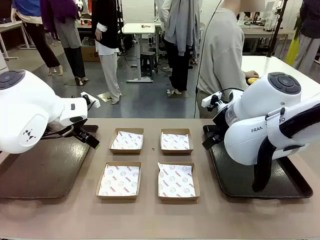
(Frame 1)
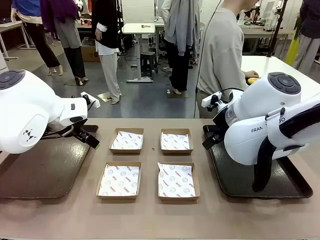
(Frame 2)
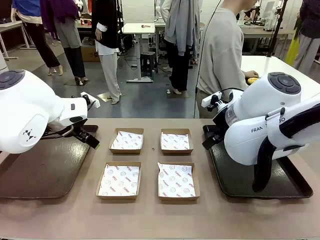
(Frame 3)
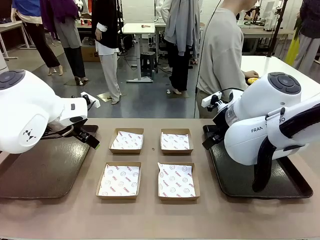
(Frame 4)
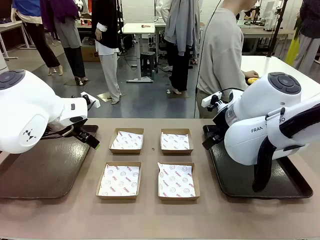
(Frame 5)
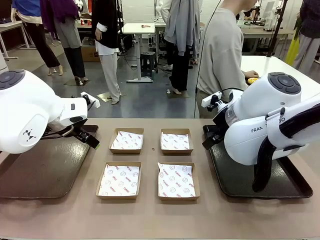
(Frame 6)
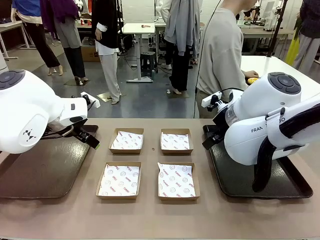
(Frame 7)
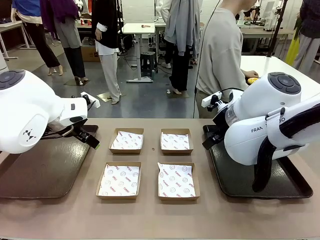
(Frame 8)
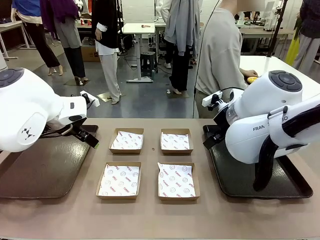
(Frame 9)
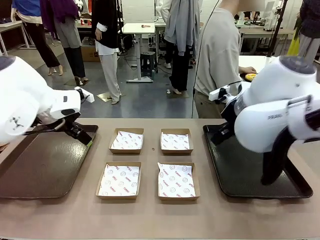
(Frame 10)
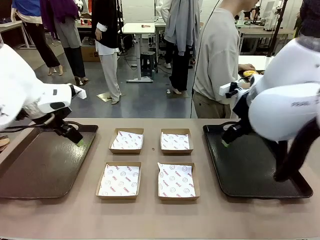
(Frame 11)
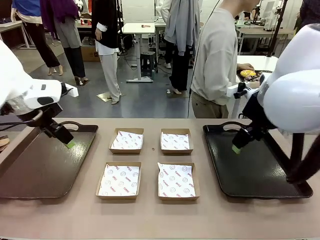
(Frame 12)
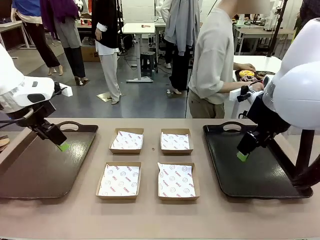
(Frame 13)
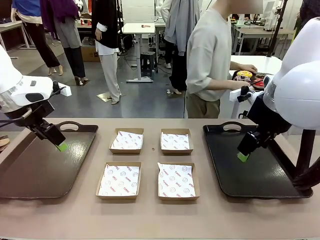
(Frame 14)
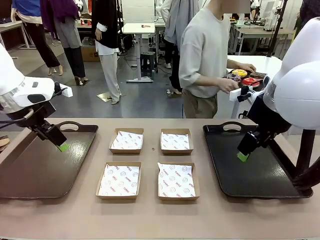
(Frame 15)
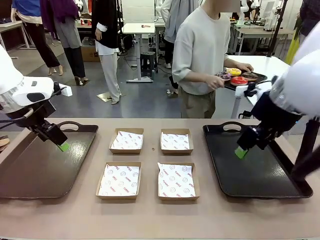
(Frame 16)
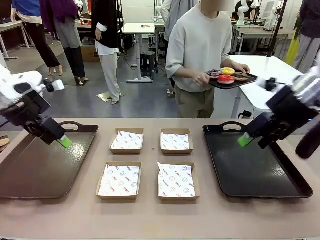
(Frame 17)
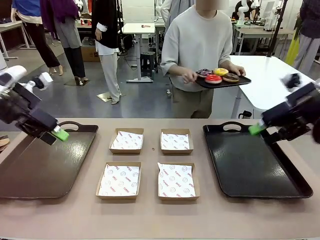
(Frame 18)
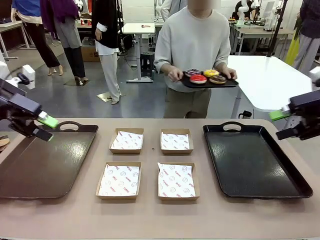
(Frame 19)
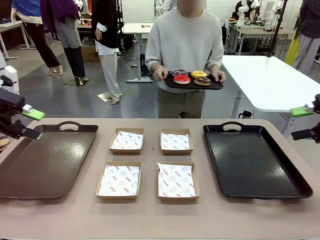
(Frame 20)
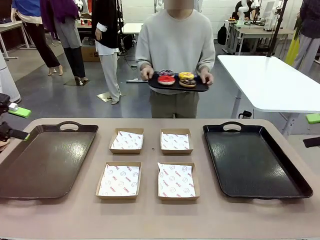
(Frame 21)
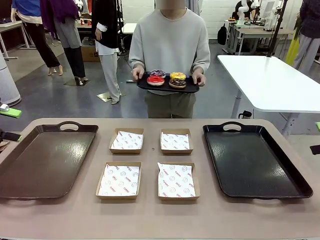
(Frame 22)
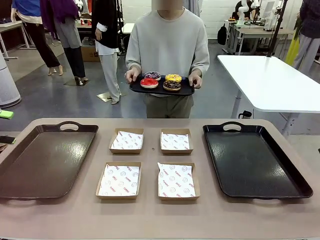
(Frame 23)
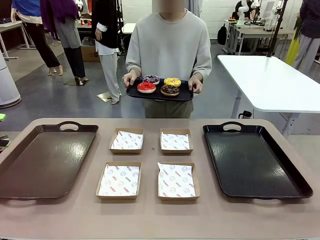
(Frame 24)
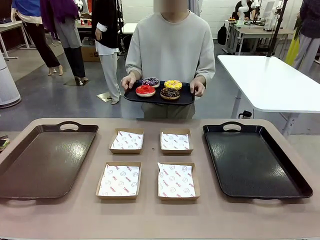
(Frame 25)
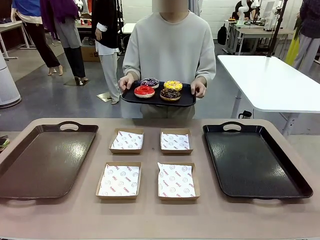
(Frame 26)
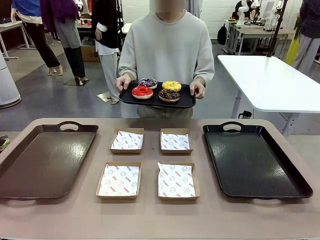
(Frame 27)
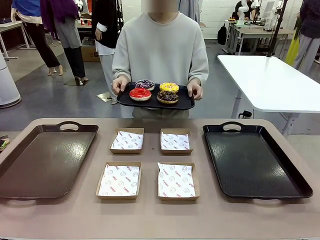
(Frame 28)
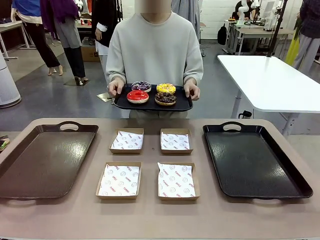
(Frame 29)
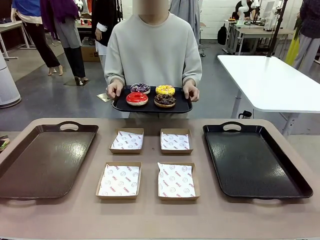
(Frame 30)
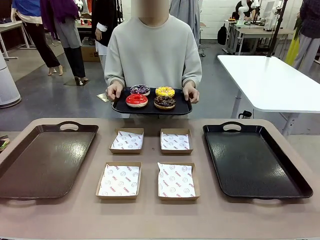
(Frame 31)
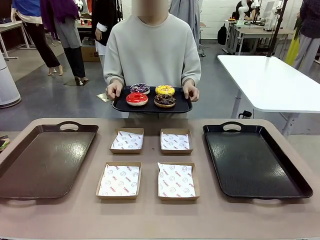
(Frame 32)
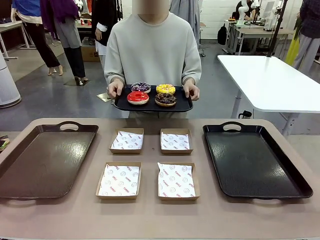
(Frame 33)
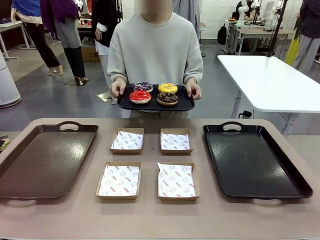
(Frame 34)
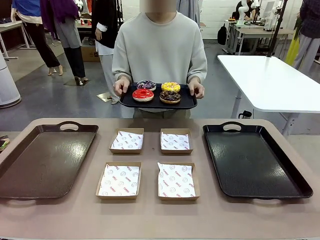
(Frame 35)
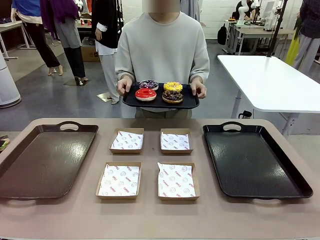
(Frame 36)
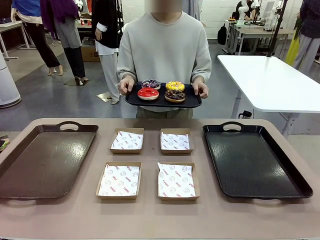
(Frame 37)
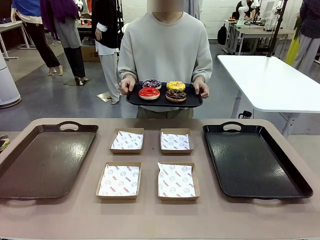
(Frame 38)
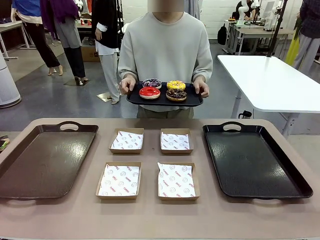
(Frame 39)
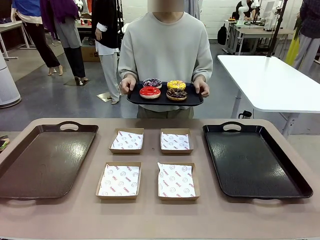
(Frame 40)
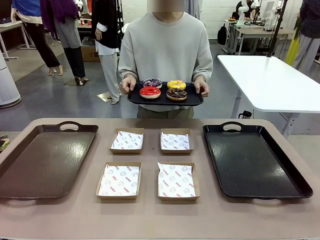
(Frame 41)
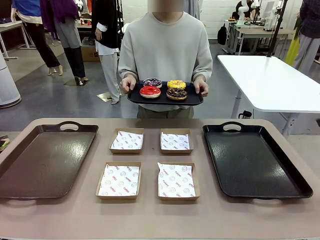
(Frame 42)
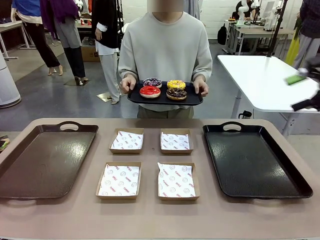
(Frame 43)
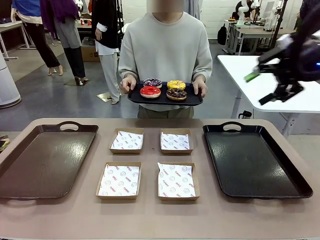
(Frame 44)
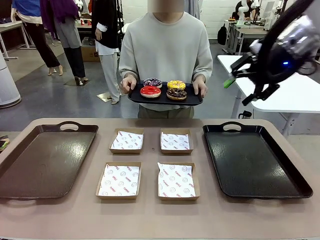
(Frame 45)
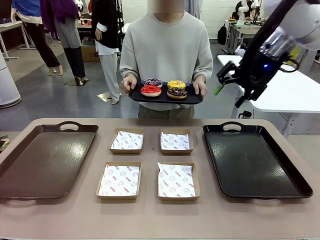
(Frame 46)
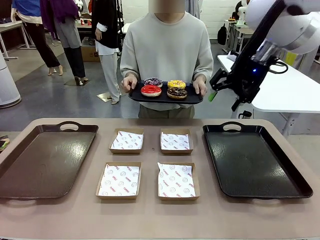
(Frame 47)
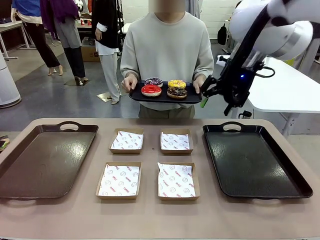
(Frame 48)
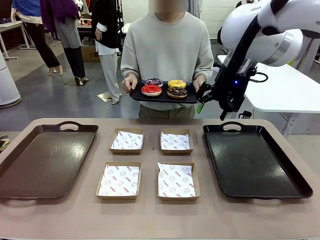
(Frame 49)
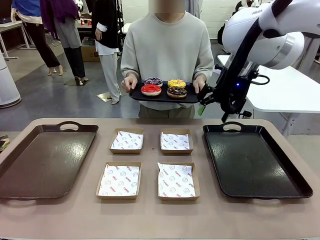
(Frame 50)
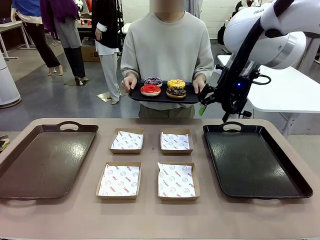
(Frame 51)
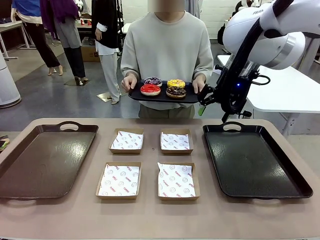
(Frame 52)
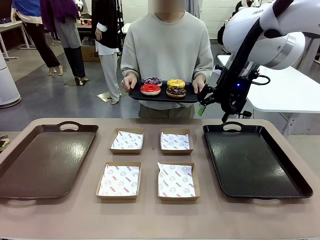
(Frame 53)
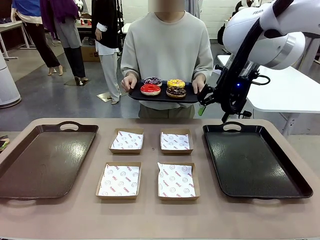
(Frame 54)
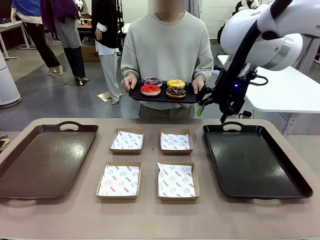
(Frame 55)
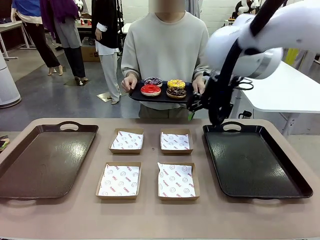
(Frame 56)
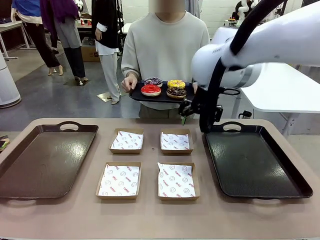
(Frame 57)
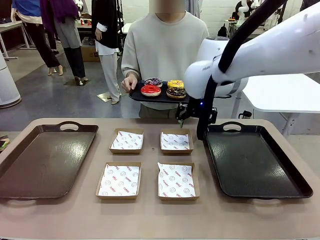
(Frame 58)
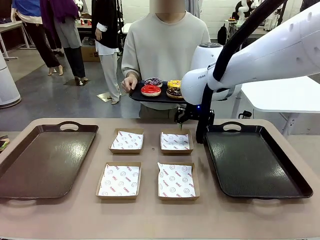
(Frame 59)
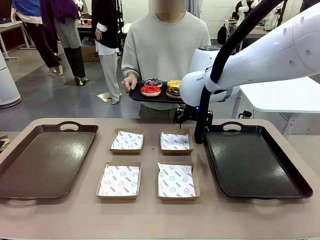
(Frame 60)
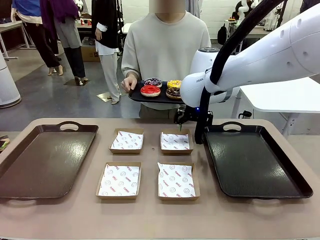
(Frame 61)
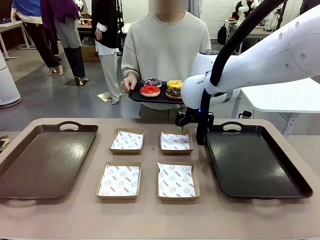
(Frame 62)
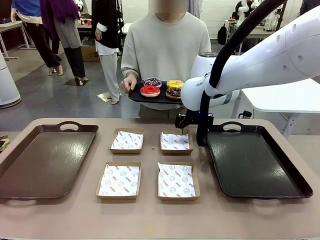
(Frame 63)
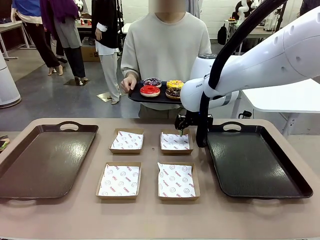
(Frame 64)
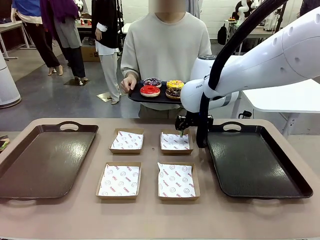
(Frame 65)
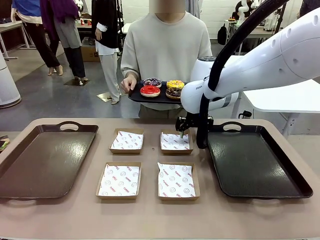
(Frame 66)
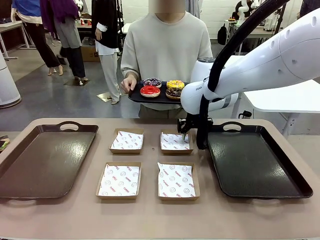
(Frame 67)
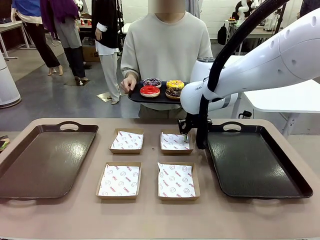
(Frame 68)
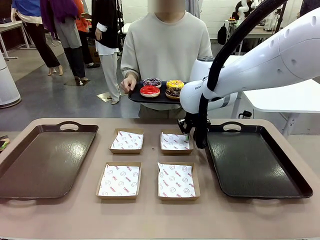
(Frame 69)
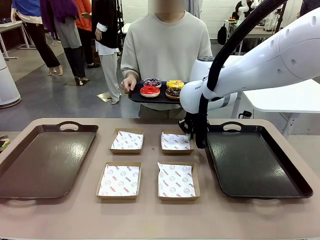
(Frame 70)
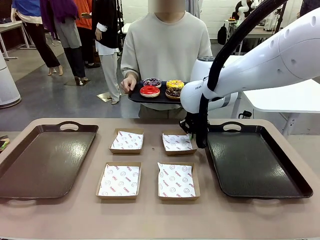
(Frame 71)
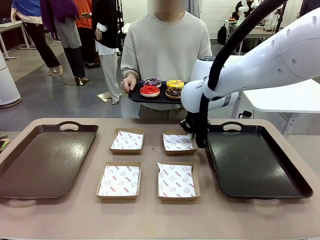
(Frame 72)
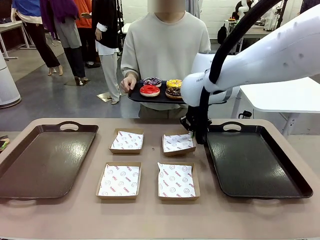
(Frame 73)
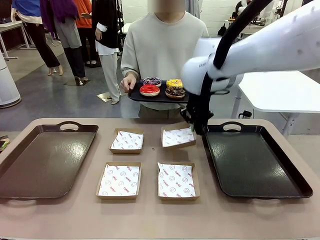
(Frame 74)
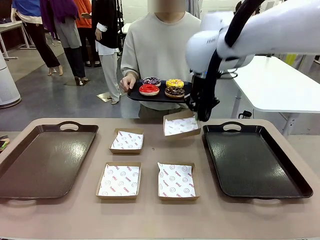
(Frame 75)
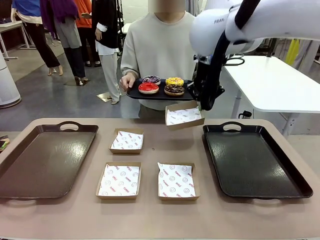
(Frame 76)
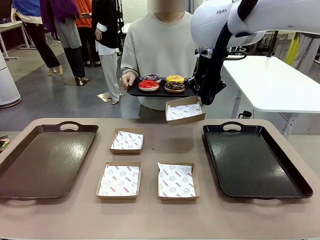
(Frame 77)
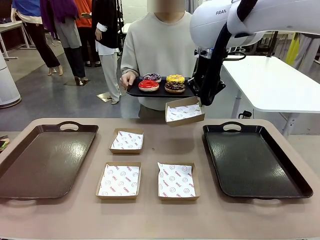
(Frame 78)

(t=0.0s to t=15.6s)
Task: Individually package the donuts and arrange them on the tray.
Robot: Pick up one Paper togo box.
Person: Stand in front of the robot table holding the tray containing the donuts.
